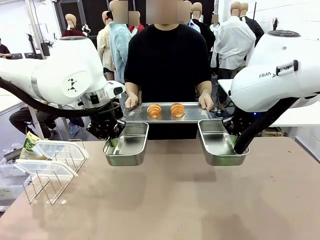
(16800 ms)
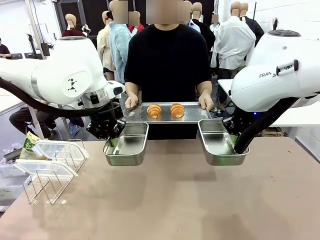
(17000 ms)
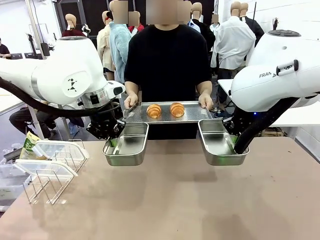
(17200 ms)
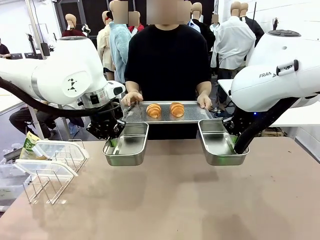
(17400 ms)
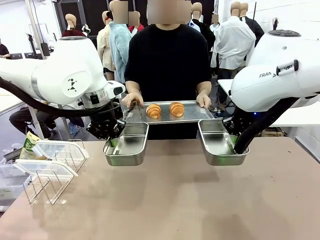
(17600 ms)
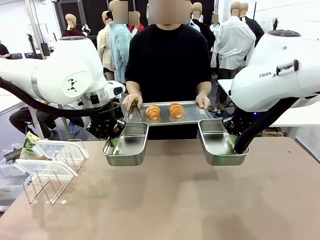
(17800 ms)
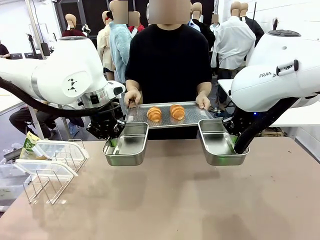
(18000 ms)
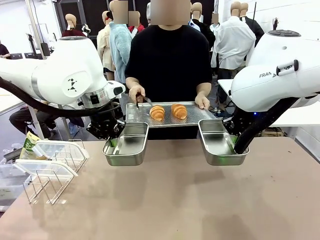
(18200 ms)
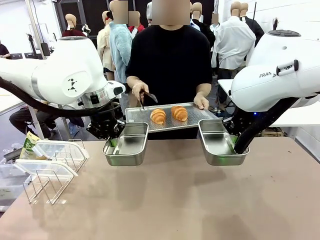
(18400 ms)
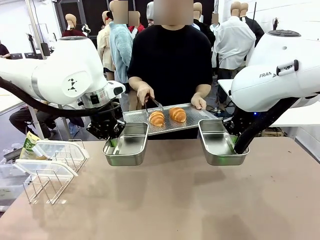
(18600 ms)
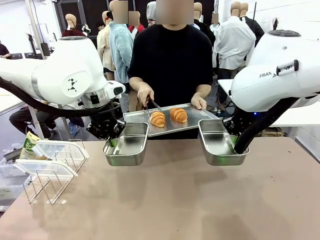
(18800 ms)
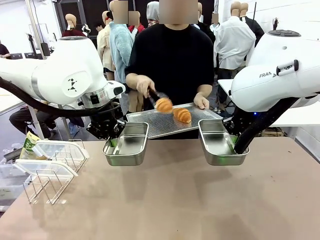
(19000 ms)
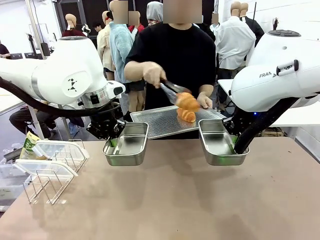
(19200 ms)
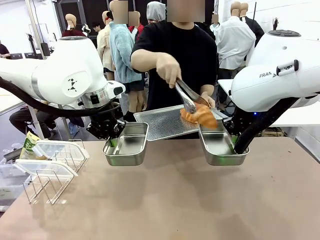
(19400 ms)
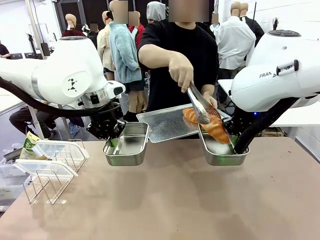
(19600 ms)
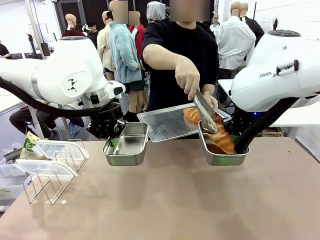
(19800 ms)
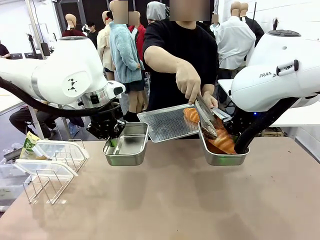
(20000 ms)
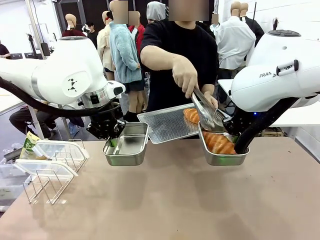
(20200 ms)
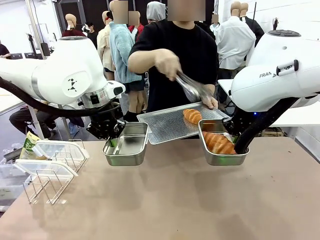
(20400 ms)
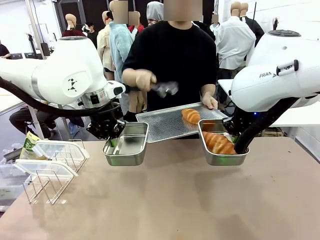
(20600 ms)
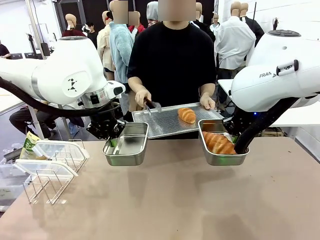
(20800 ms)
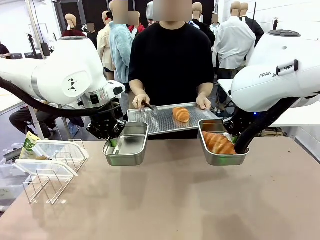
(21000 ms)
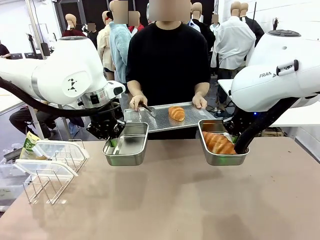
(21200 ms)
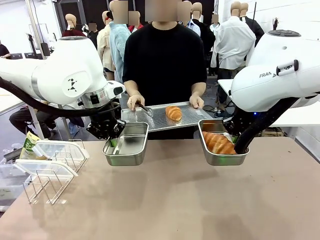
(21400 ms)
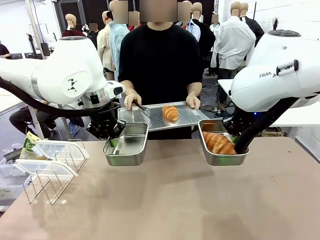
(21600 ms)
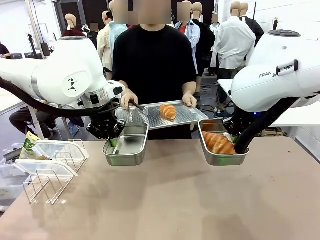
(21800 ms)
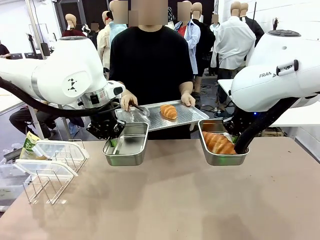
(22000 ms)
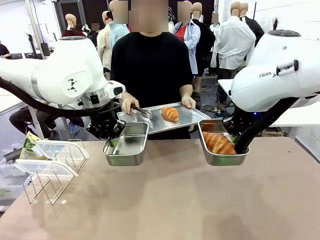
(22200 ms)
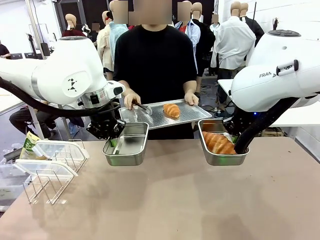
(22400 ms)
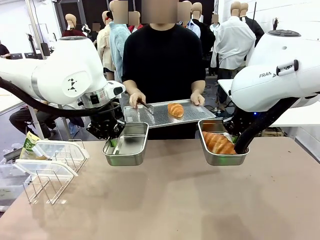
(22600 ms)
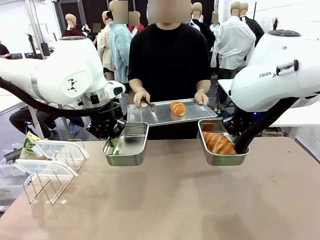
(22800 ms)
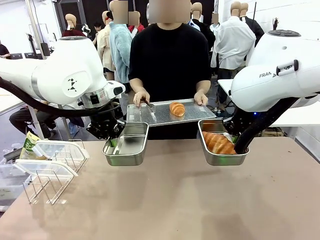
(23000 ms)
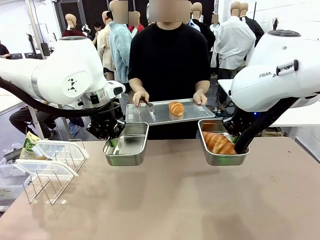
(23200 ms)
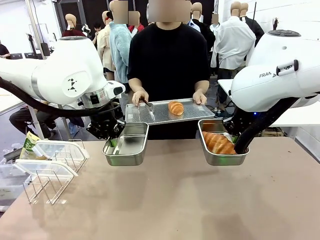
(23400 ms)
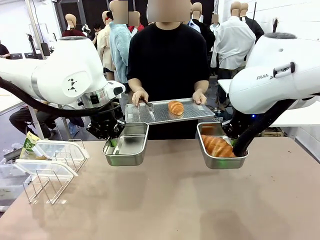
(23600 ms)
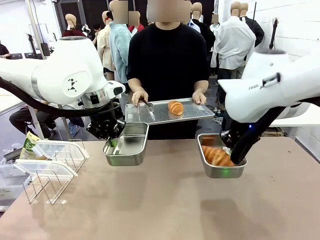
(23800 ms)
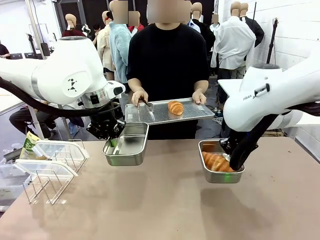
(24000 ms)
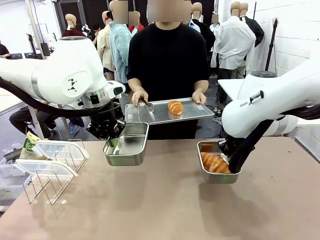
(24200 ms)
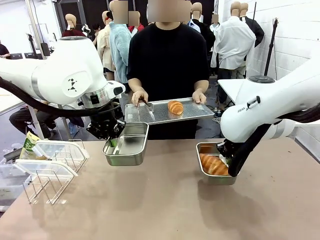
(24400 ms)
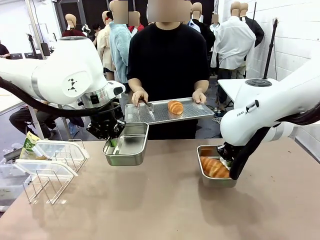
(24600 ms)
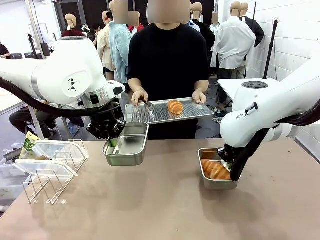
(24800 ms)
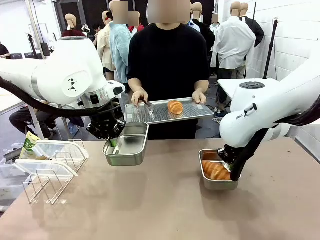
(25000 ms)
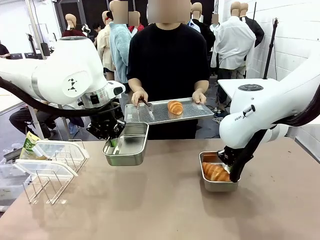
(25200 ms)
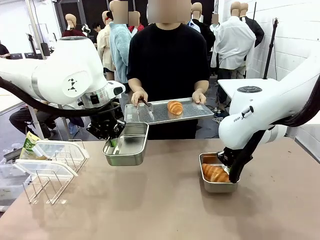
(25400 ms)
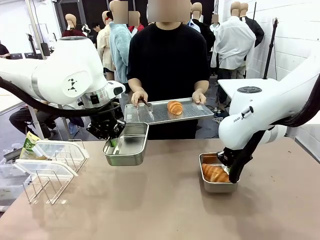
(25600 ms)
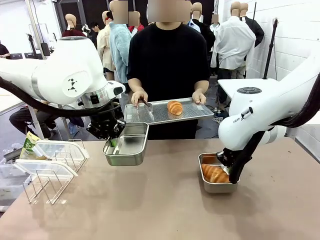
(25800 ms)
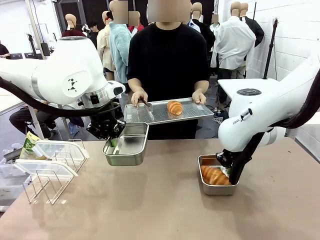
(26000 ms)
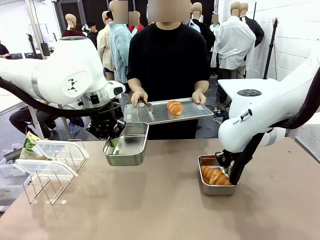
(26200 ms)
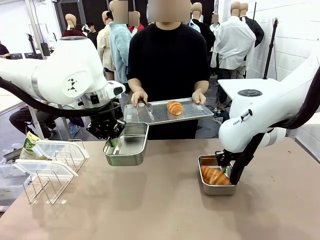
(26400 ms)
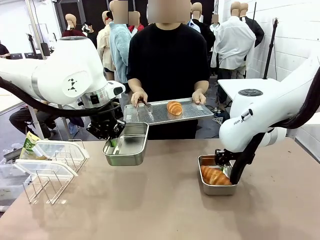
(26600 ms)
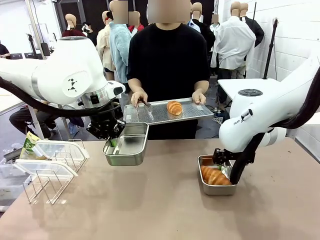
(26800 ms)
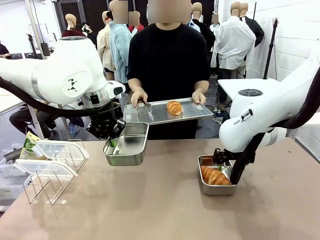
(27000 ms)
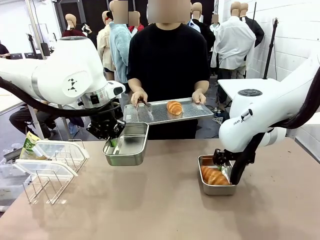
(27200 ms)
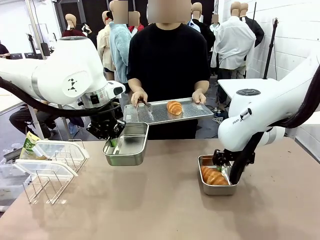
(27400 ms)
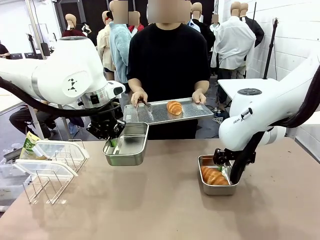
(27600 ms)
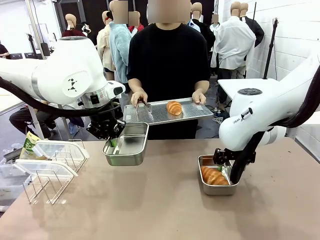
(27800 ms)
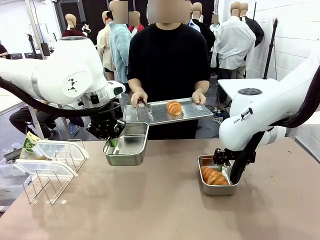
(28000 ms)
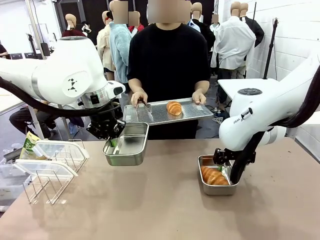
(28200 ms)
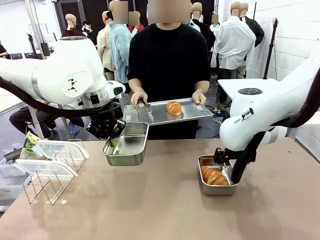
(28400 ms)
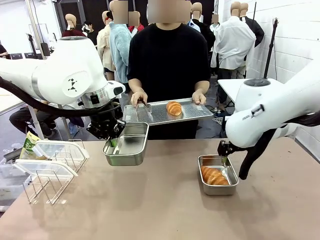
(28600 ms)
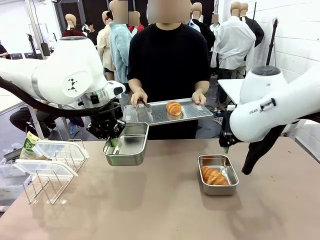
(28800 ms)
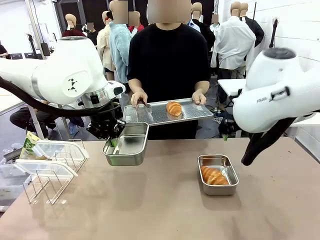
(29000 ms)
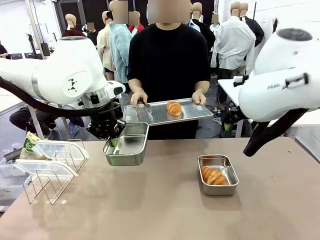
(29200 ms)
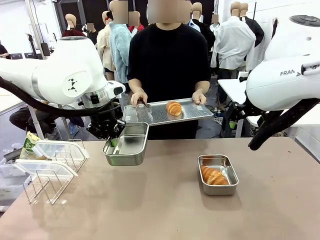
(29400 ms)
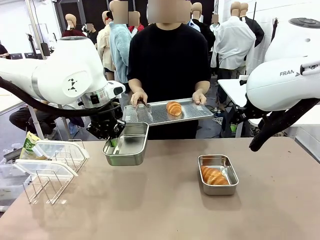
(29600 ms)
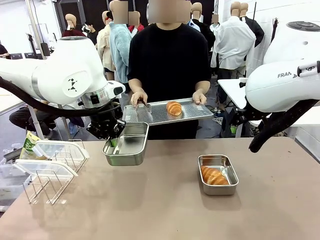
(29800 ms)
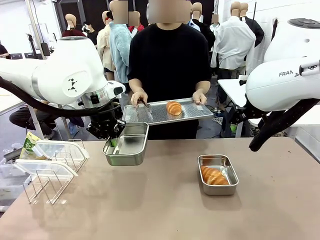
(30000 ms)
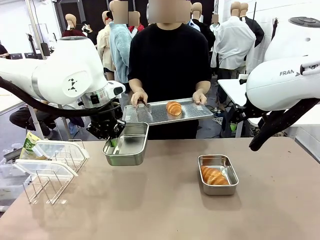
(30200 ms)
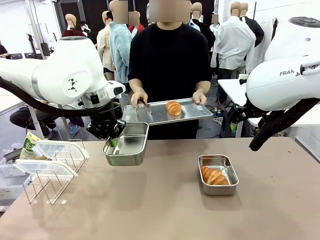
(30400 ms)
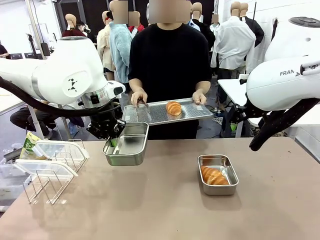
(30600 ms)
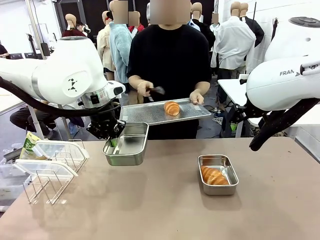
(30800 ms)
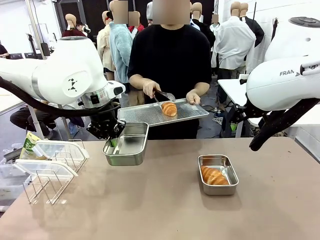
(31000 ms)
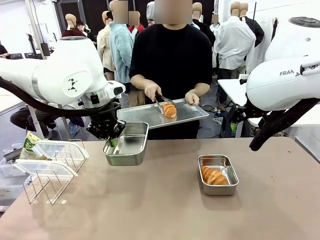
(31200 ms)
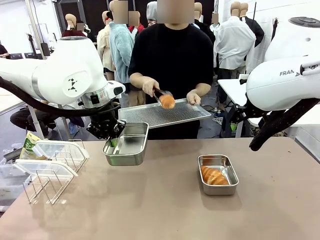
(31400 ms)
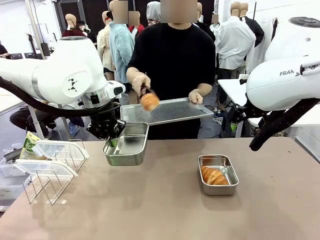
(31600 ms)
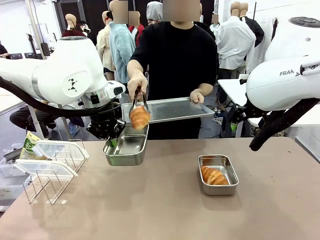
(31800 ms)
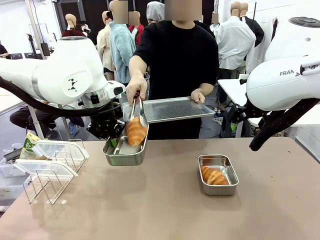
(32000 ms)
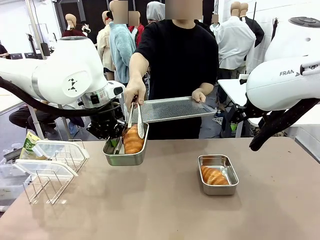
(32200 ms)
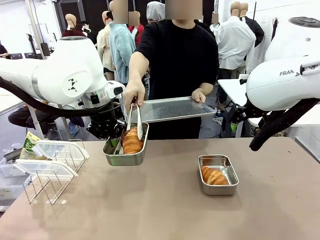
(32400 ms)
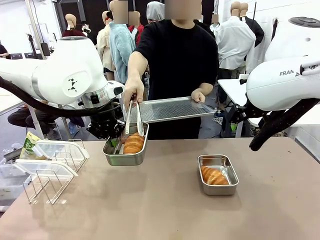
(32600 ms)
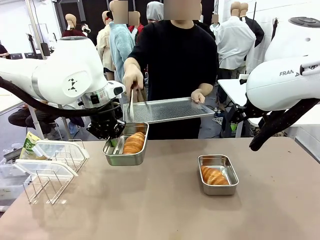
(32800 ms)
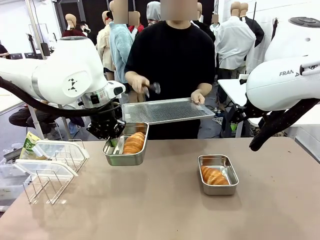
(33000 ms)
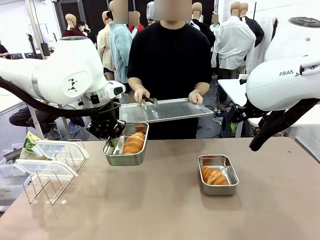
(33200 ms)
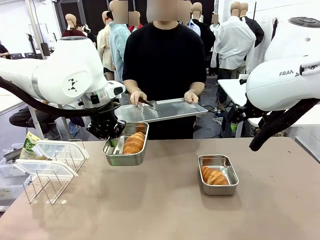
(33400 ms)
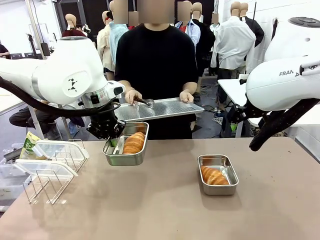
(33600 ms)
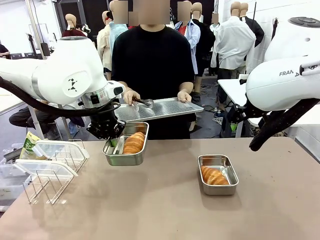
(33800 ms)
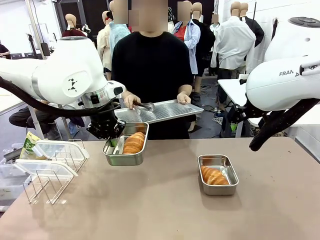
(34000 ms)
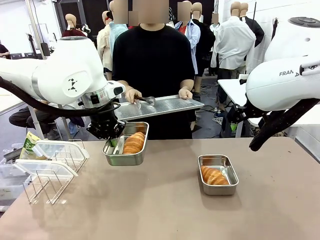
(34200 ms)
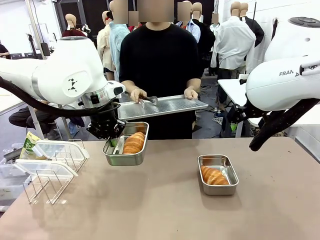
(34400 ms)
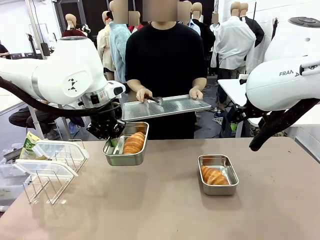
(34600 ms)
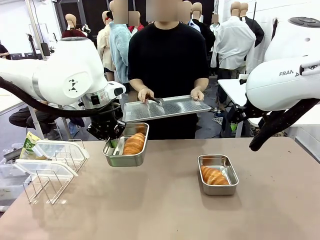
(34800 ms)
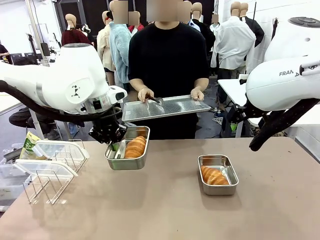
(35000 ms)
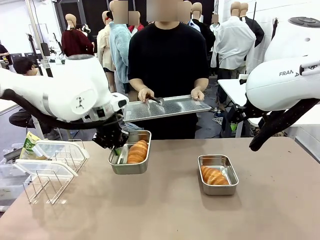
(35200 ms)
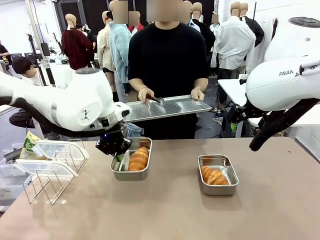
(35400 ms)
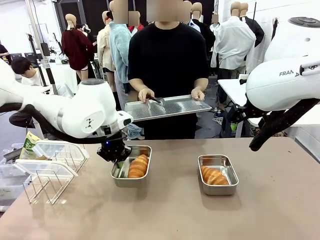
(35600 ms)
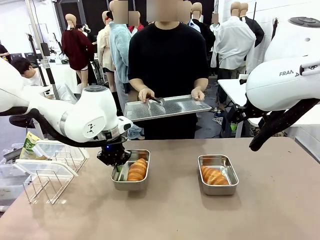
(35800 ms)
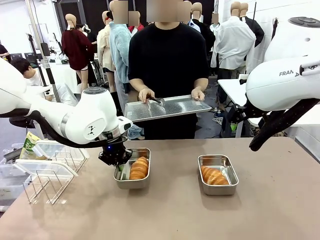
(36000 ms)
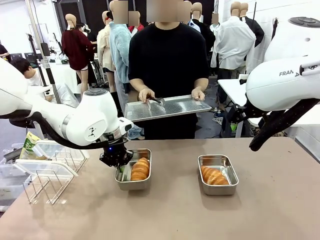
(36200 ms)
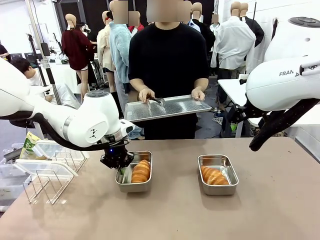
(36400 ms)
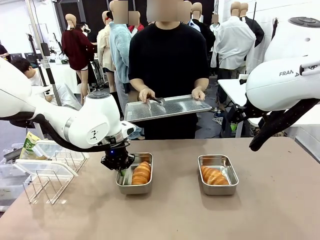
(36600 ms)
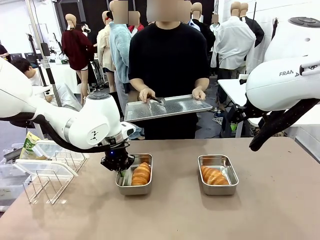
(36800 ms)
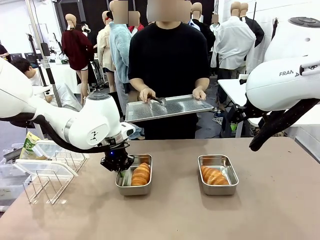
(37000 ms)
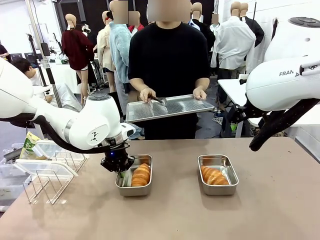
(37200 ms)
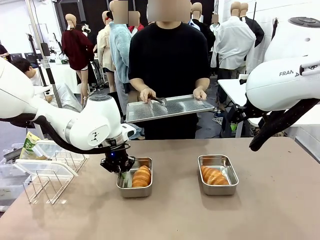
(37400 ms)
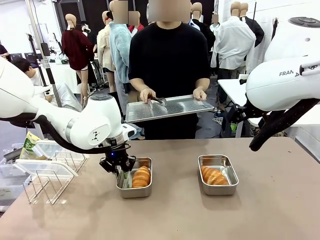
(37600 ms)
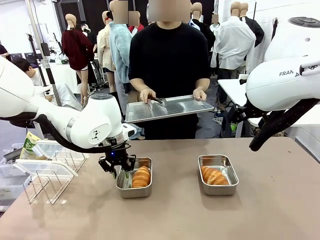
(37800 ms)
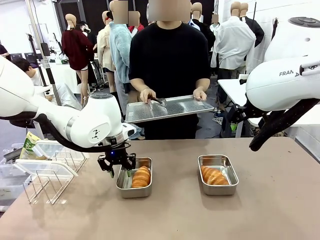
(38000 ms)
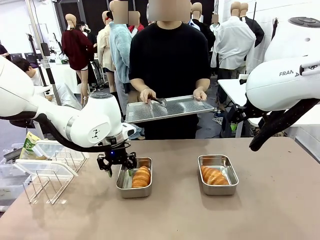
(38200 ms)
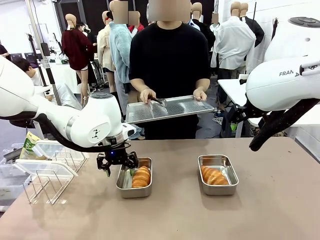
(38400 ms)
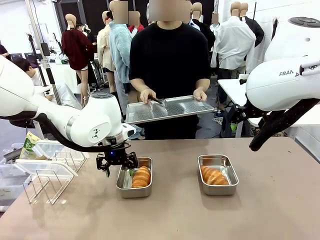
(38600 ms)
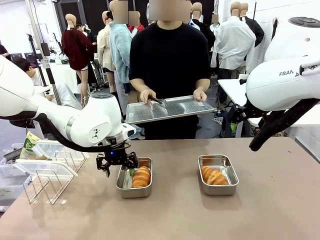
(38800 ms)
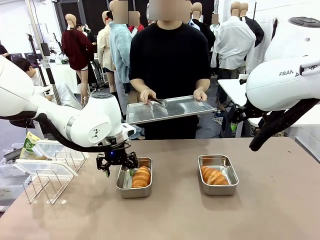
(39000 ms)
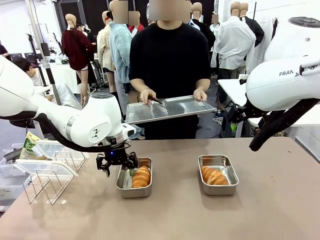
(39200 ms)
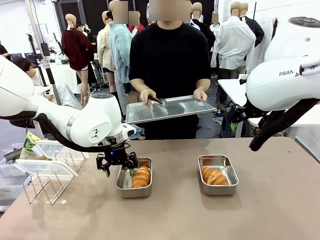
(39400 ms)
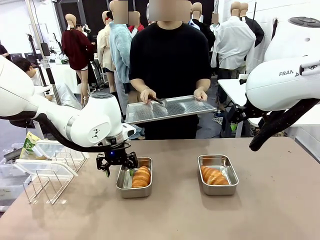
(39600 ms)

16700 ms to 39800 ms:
Task: Place the bread in airtight containers.
Robot: Once an object is inside an Airtight Container , place the container in the center of the table.
Person: Use the Stainless steel tongs to place one object from Baking Sheet into one Airtight Container. Place Baking Sheet on the Human's Table.
